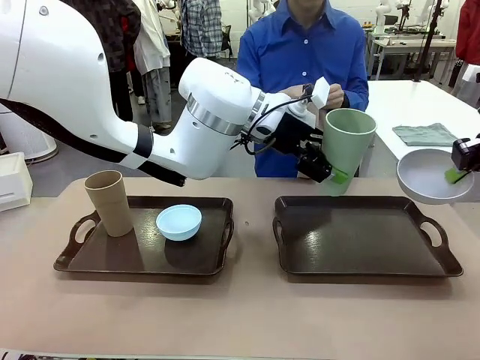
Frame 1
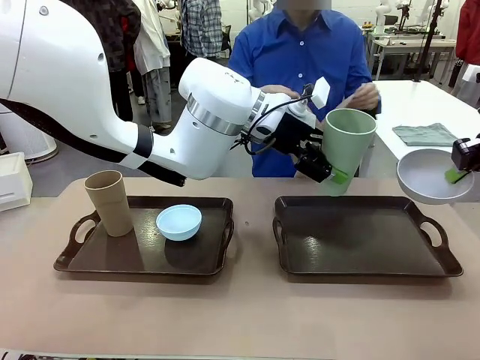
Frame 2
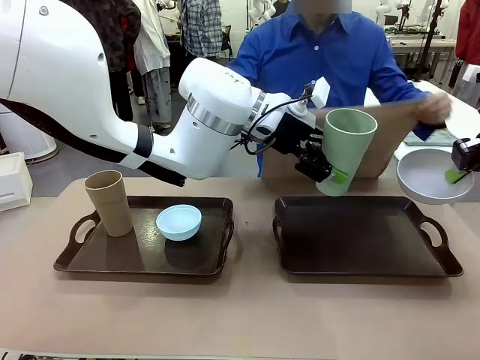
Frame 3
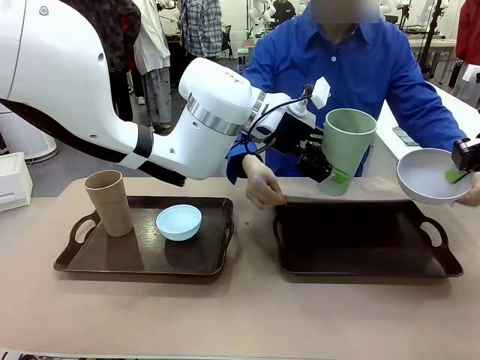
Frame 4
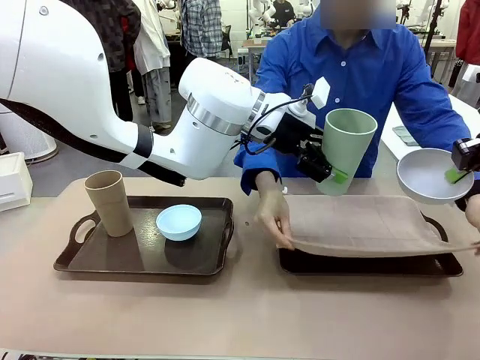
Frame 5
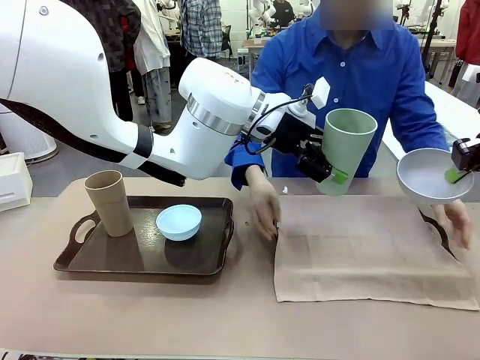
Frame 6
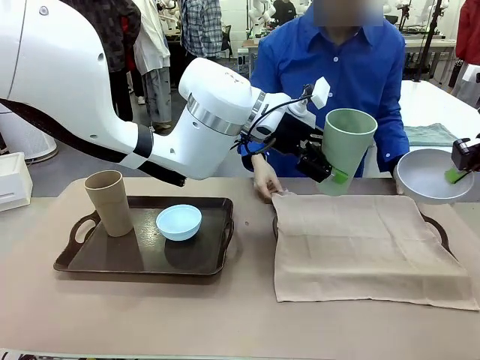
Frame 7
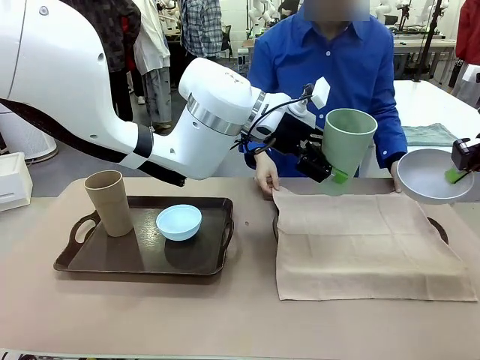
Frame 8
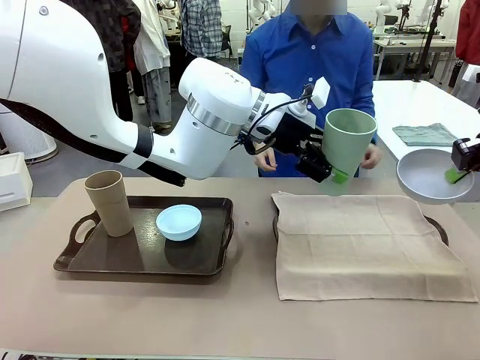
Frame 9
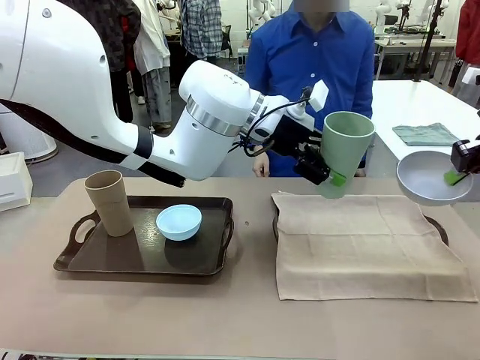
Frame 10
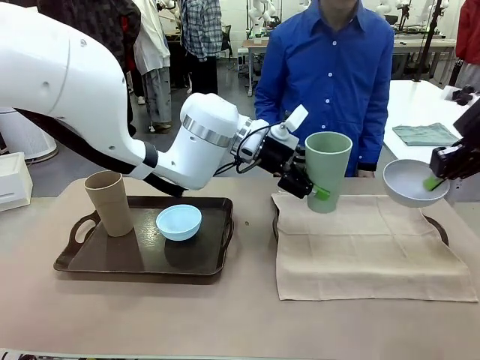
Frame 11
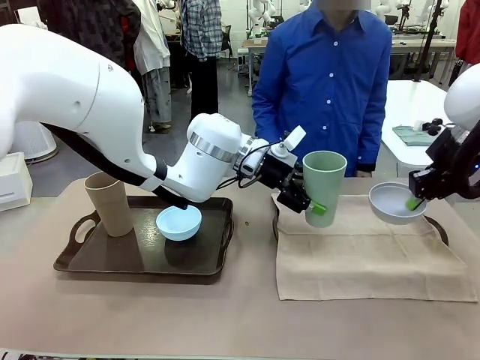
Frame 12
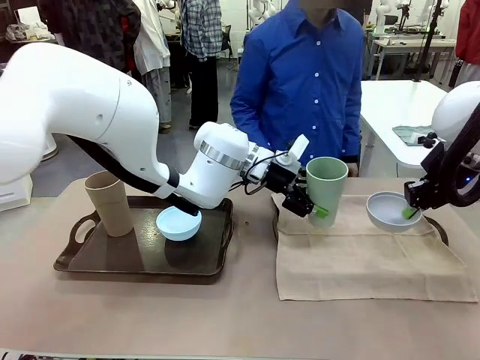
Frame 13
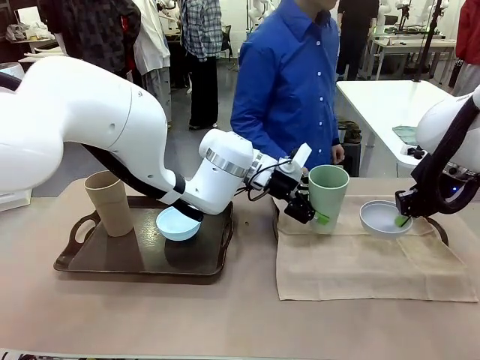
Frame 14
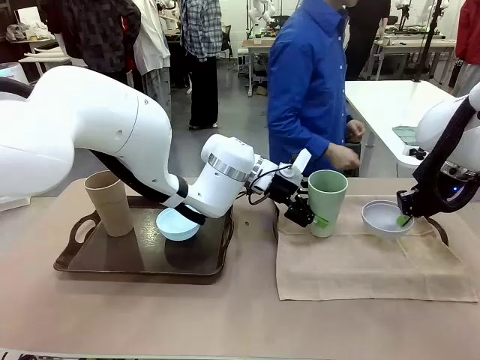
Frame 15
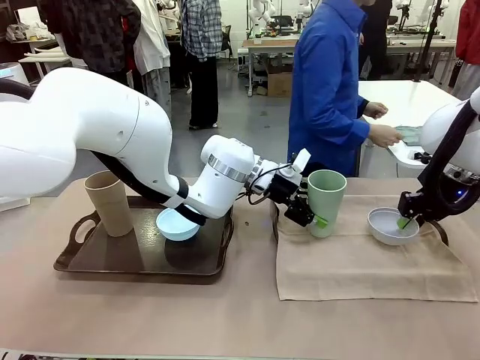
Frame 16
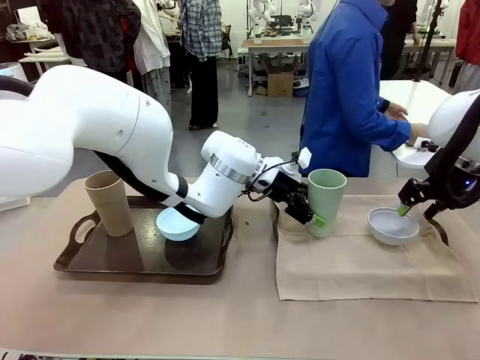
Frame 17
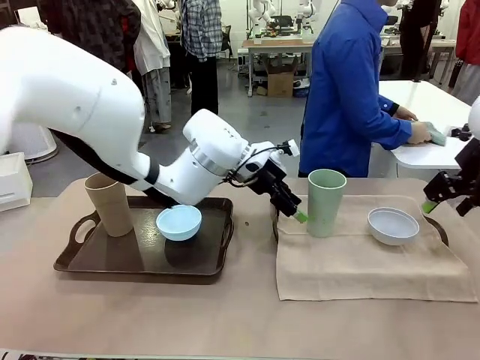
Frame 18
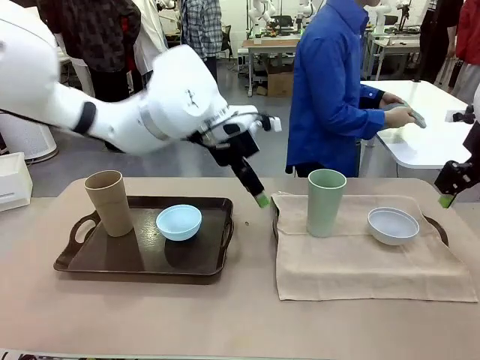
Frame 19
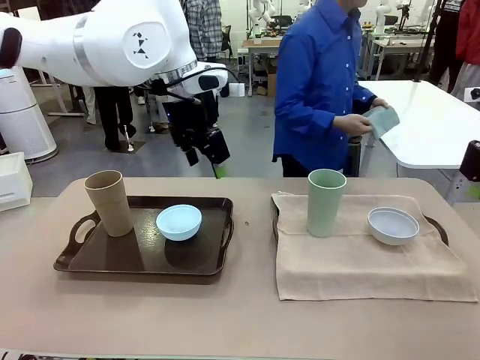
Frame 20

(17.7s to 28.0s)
Robot: Place the Picnic Bowl and Reusable plastic cup back onto the Handle tray in front of the human's position.
Person: The human returns to the human table to pick up another napkin and walks to the robot table to stand in front of the tray without a napkin.

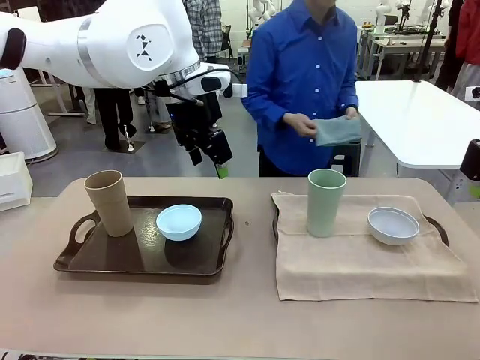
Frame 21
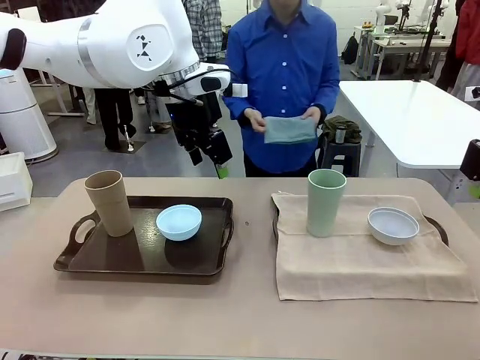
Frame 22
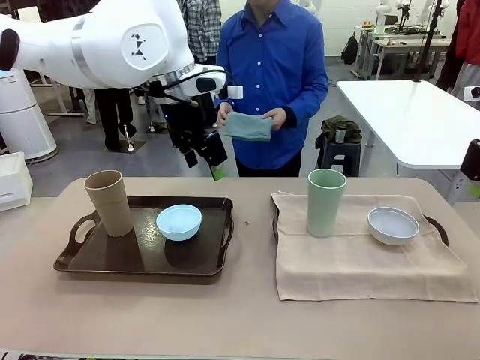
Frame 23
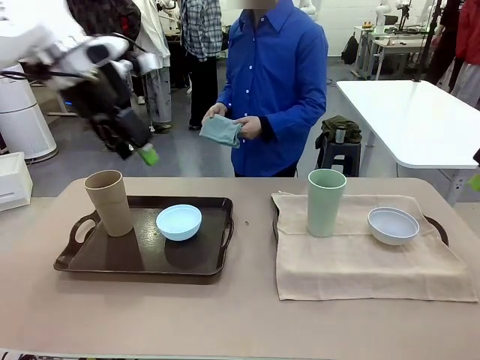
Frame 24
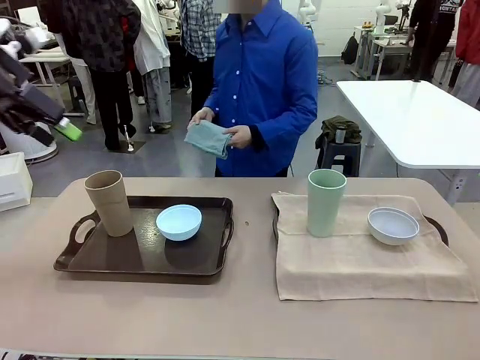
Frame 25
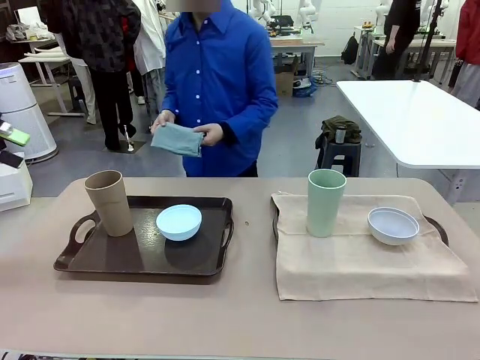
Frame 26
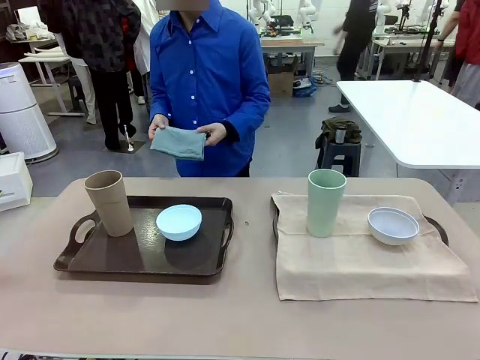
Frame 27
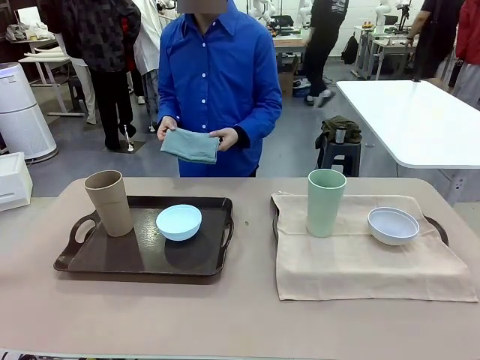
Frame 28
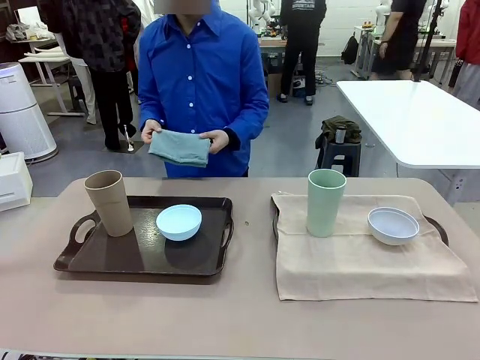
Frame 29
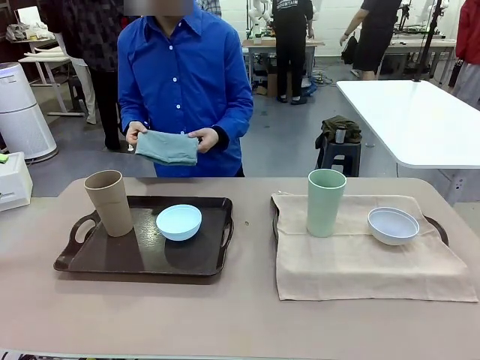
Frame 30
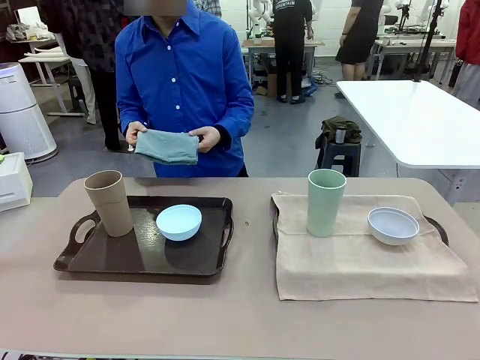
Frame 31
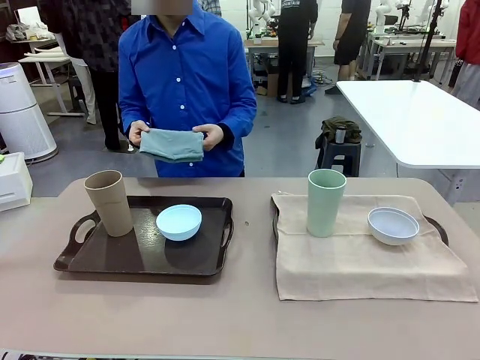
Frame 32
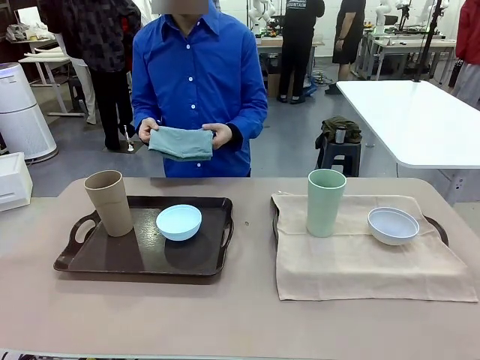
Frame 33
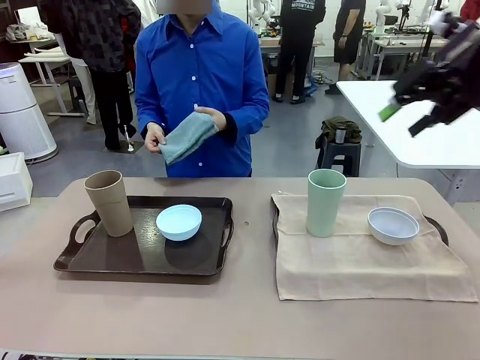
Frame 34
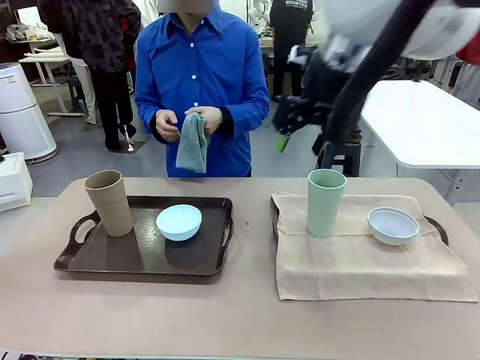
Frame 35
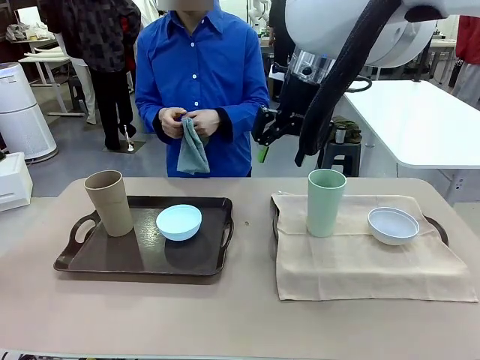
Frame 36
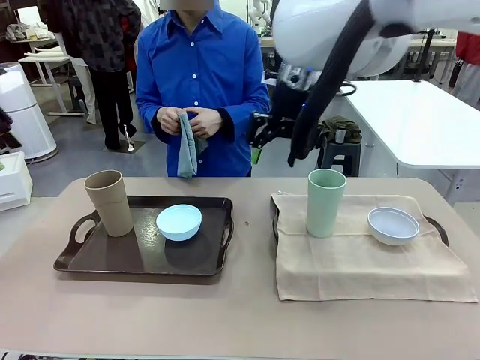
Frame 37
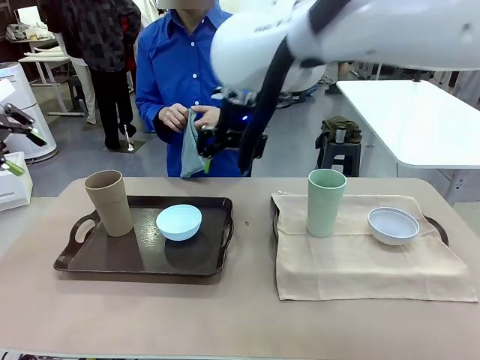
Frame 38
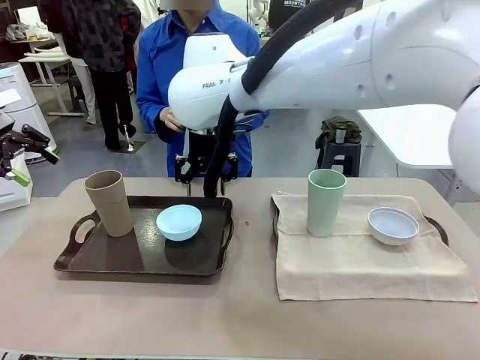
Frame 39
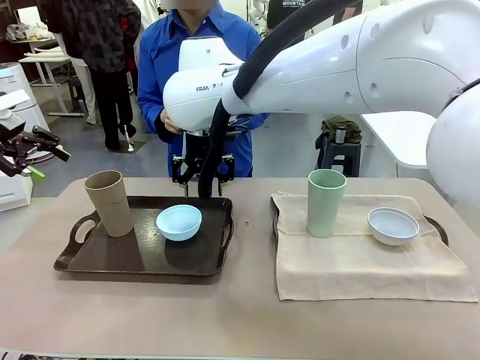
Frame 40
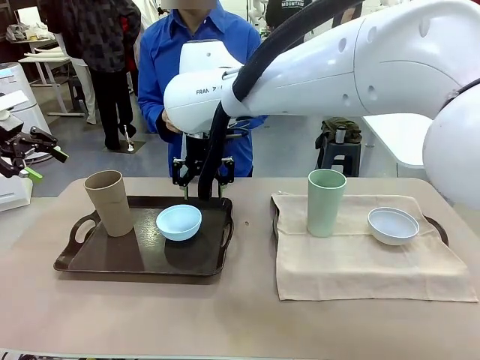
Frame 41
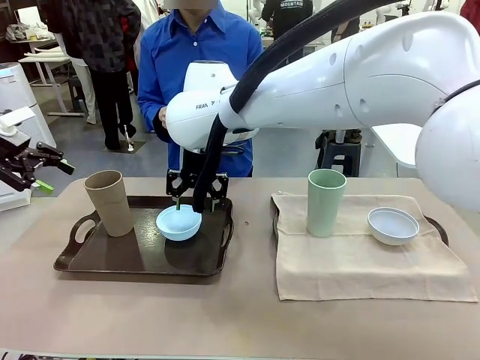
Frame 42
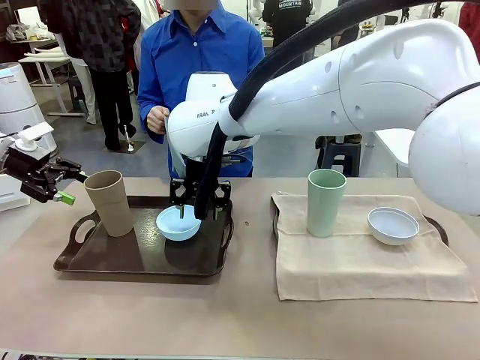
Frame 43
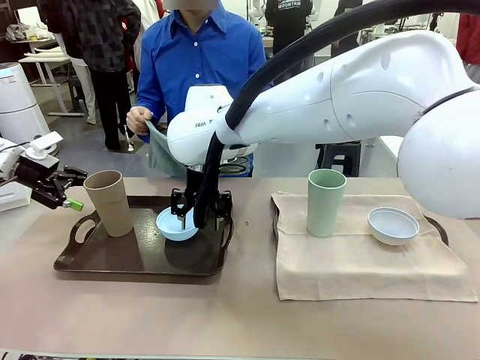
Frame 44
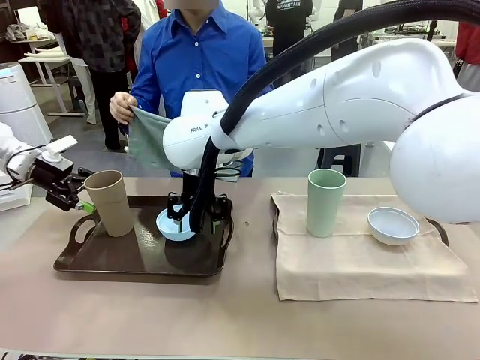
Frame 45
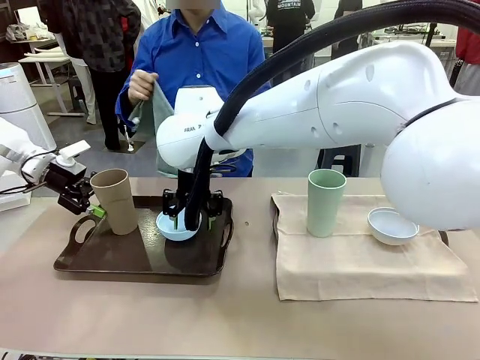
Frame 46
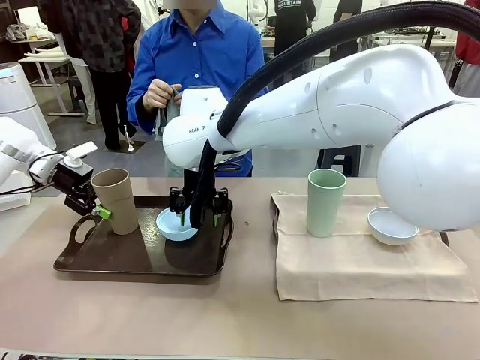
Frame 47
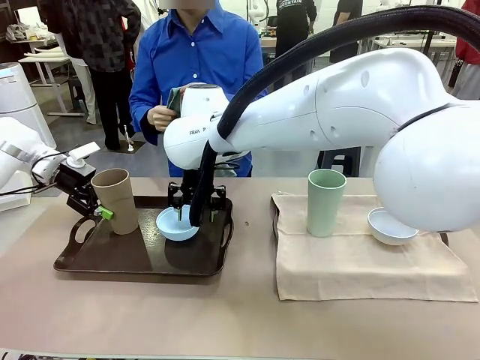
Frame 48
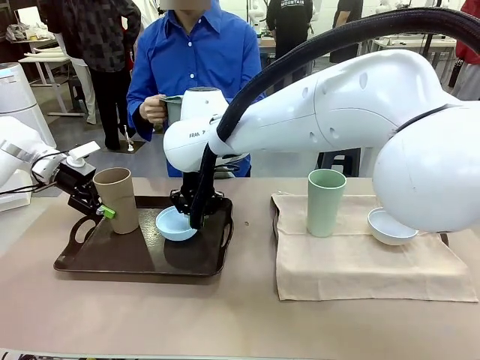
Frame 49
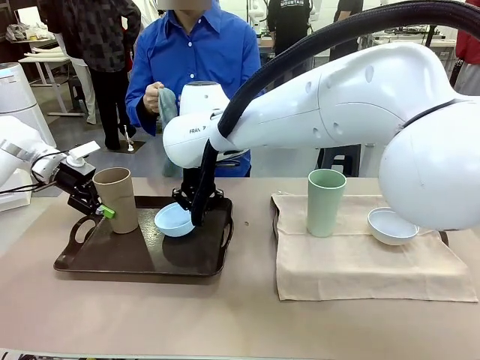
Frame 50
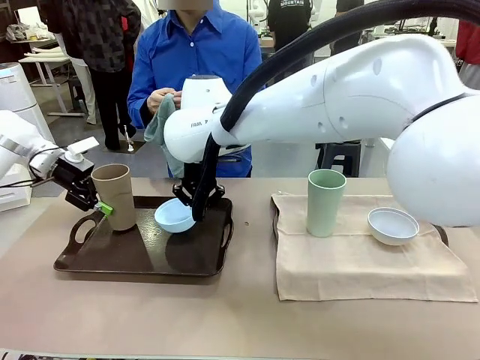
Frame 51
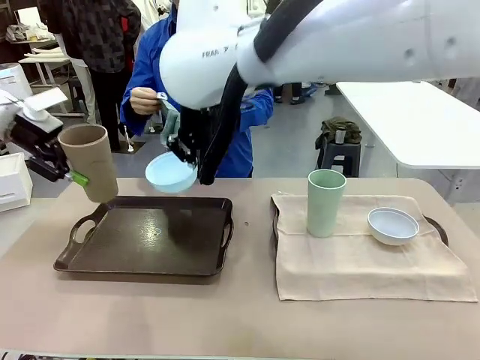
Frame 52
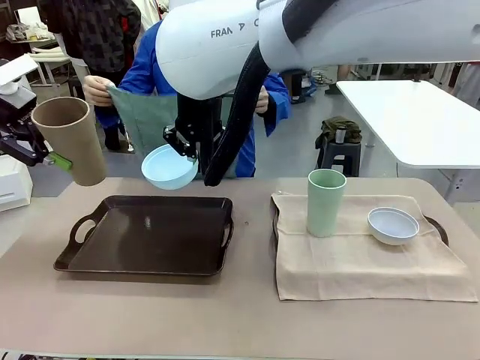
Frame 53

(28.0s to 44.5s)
Robot: Pick up the Picnic Bowl and Reusable plastic cup from the Handle tray in front of the human's position and hold them in the air.
